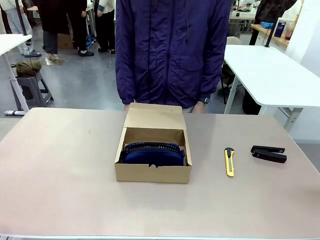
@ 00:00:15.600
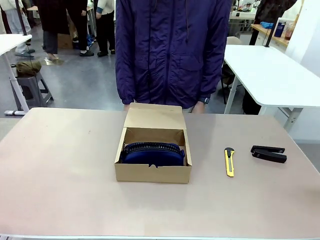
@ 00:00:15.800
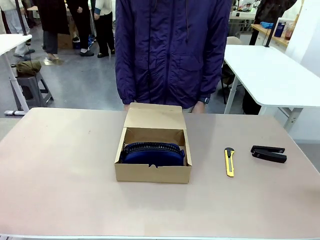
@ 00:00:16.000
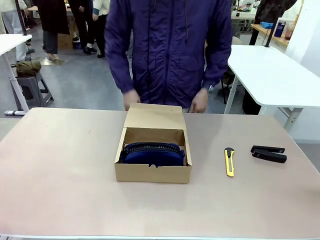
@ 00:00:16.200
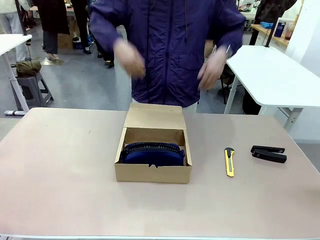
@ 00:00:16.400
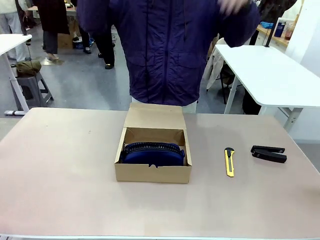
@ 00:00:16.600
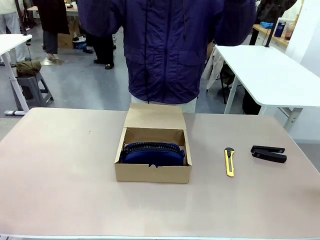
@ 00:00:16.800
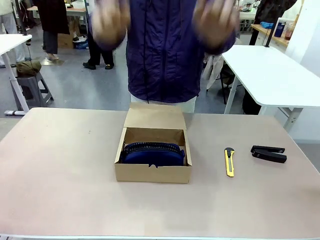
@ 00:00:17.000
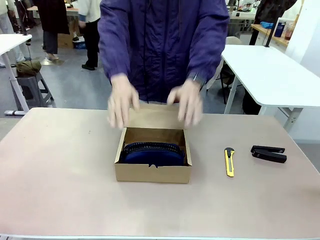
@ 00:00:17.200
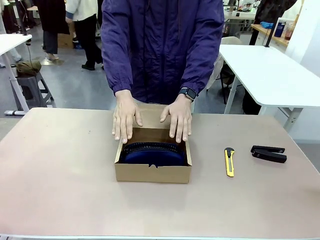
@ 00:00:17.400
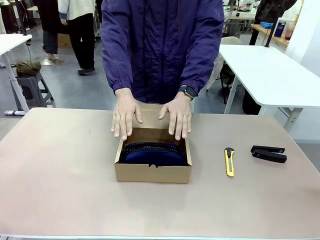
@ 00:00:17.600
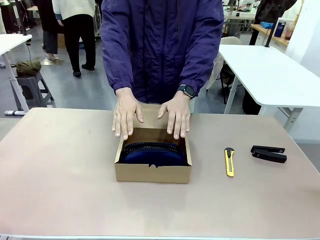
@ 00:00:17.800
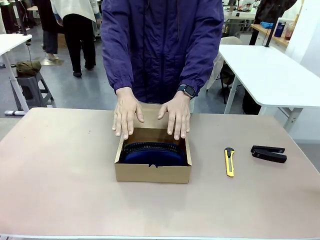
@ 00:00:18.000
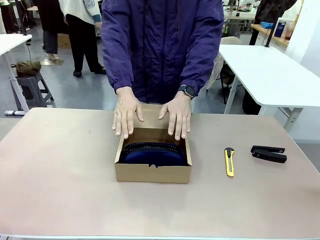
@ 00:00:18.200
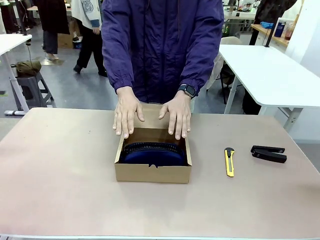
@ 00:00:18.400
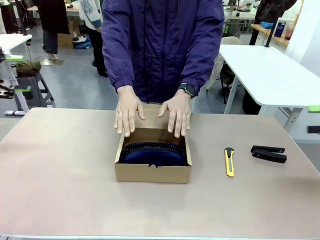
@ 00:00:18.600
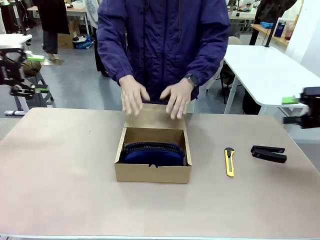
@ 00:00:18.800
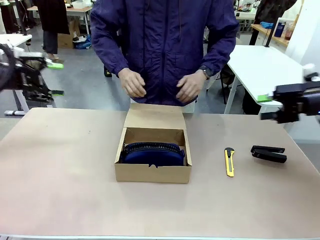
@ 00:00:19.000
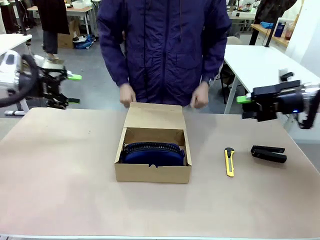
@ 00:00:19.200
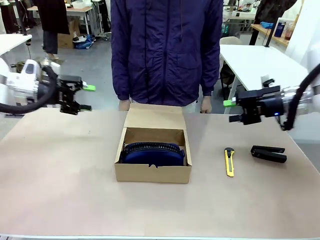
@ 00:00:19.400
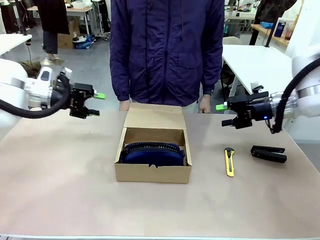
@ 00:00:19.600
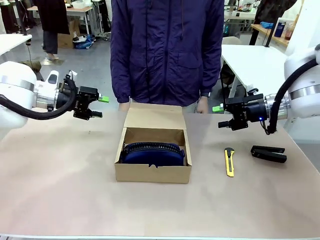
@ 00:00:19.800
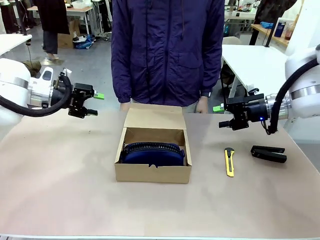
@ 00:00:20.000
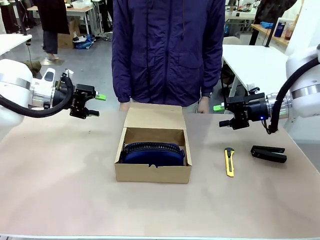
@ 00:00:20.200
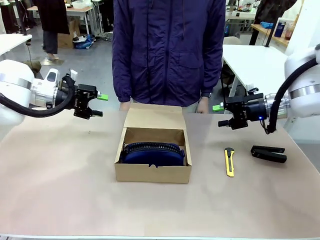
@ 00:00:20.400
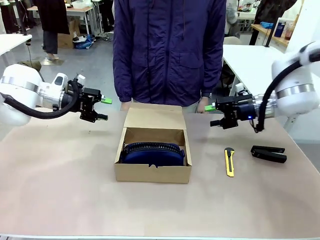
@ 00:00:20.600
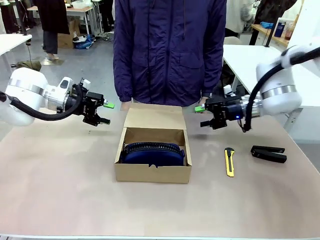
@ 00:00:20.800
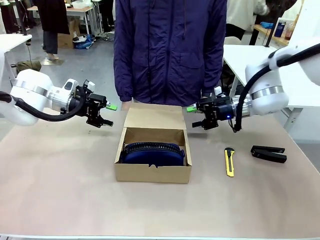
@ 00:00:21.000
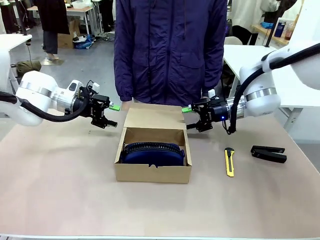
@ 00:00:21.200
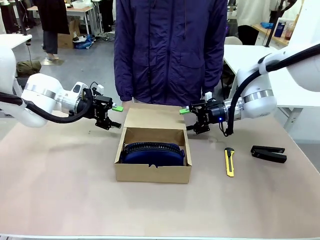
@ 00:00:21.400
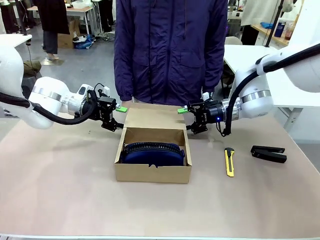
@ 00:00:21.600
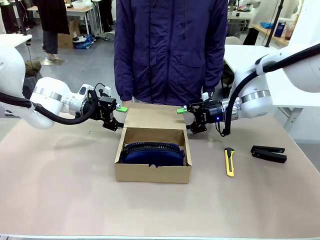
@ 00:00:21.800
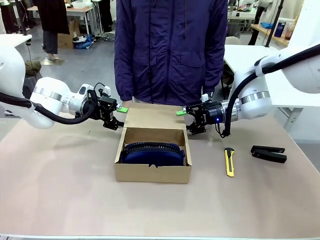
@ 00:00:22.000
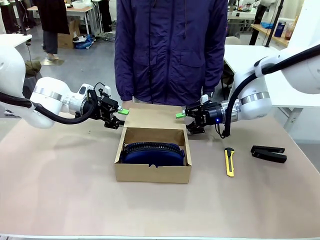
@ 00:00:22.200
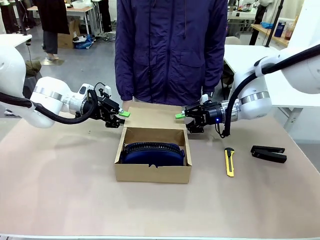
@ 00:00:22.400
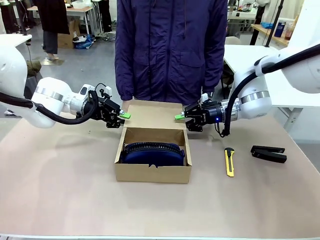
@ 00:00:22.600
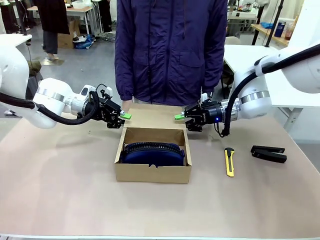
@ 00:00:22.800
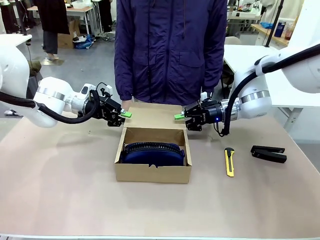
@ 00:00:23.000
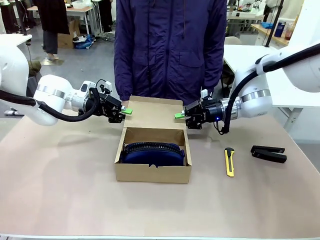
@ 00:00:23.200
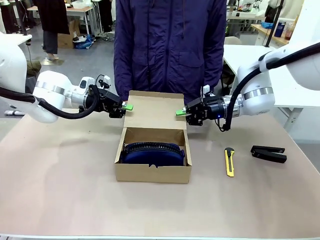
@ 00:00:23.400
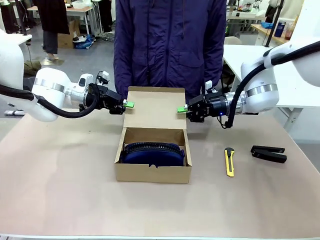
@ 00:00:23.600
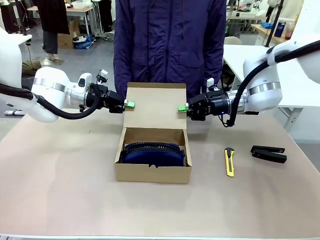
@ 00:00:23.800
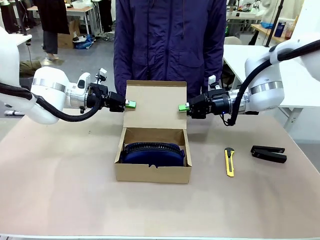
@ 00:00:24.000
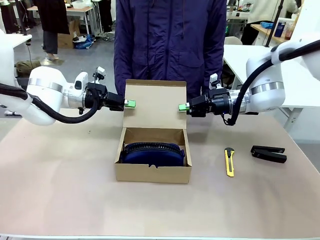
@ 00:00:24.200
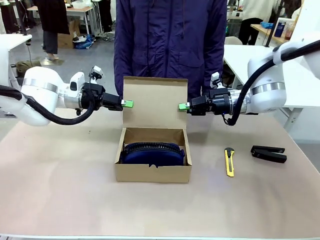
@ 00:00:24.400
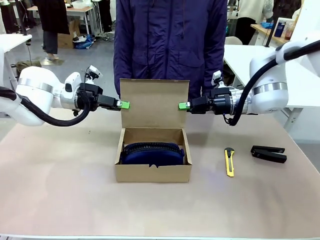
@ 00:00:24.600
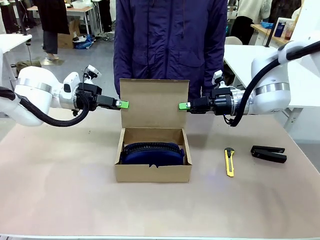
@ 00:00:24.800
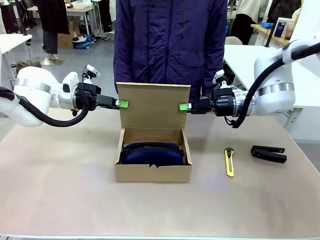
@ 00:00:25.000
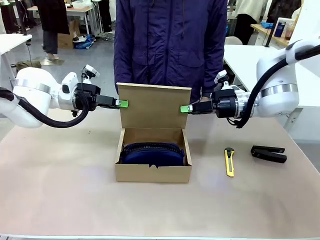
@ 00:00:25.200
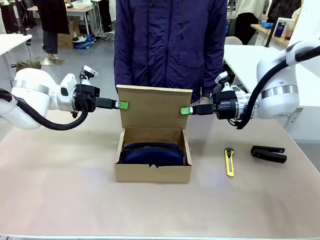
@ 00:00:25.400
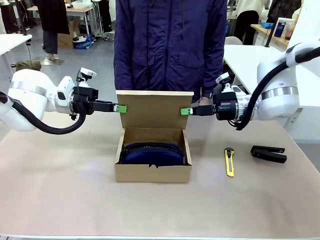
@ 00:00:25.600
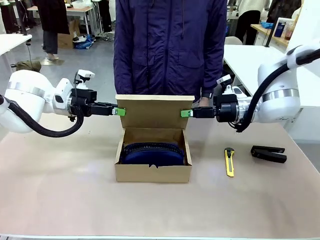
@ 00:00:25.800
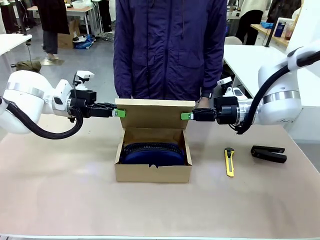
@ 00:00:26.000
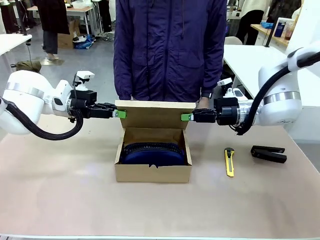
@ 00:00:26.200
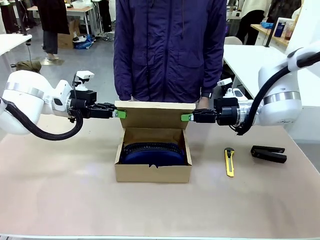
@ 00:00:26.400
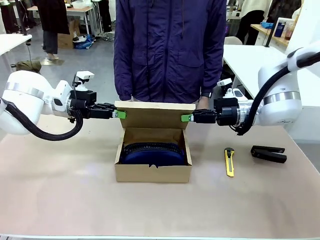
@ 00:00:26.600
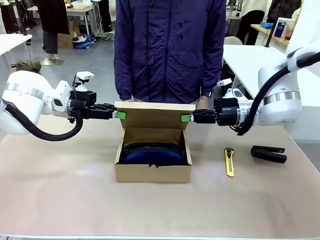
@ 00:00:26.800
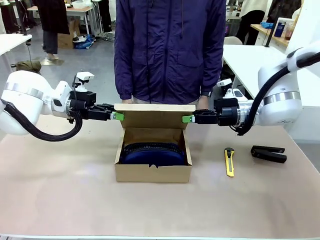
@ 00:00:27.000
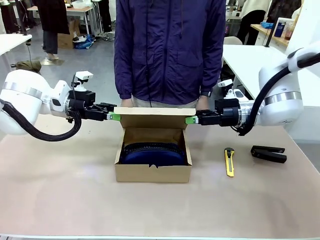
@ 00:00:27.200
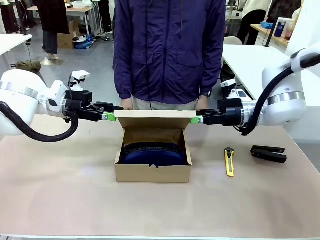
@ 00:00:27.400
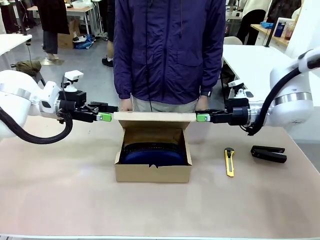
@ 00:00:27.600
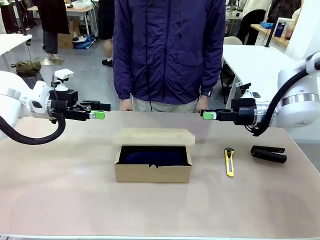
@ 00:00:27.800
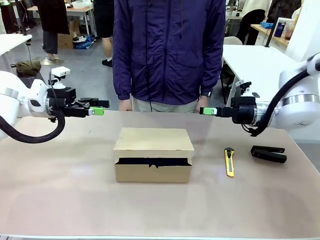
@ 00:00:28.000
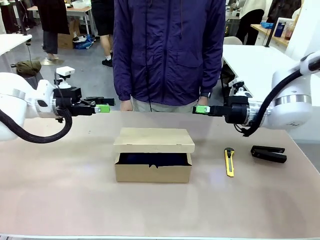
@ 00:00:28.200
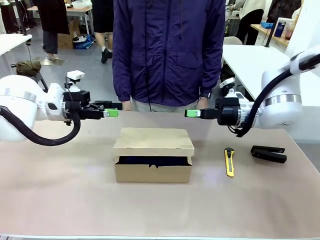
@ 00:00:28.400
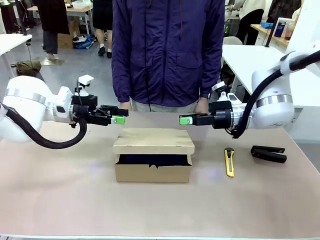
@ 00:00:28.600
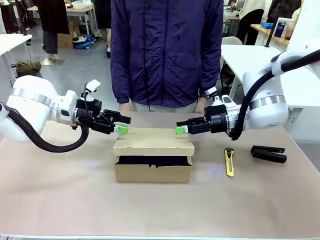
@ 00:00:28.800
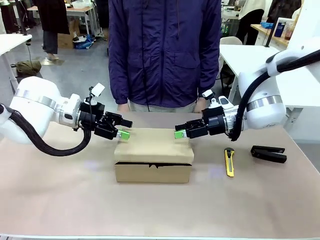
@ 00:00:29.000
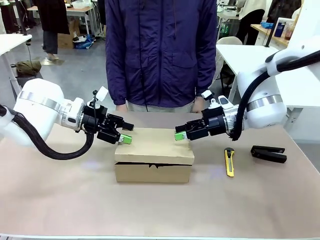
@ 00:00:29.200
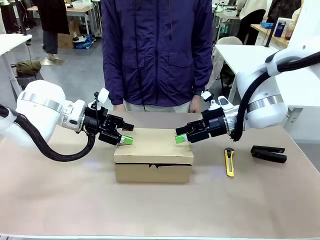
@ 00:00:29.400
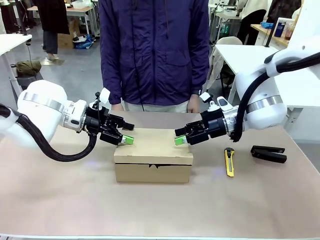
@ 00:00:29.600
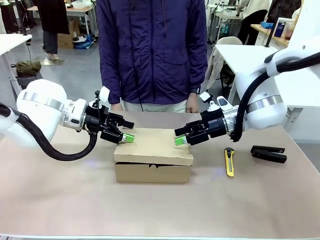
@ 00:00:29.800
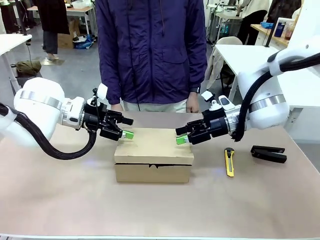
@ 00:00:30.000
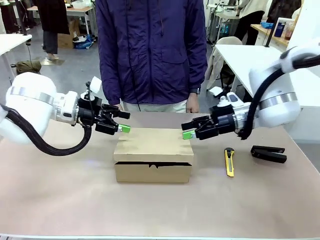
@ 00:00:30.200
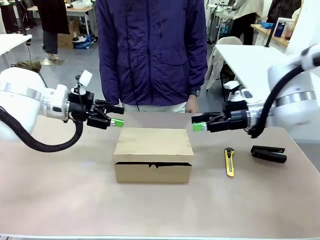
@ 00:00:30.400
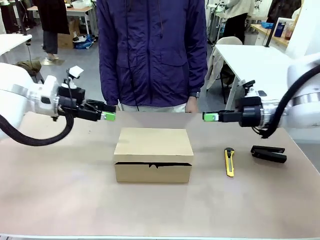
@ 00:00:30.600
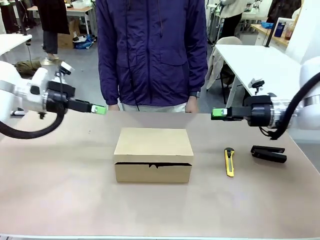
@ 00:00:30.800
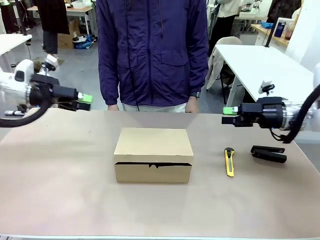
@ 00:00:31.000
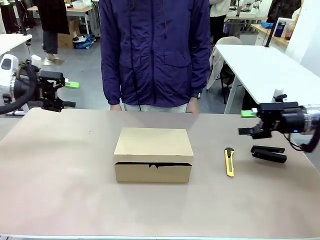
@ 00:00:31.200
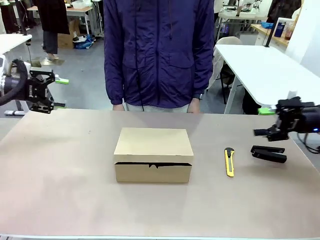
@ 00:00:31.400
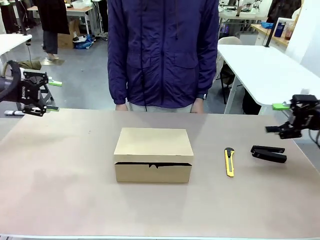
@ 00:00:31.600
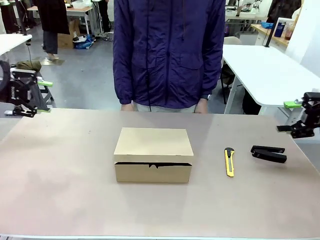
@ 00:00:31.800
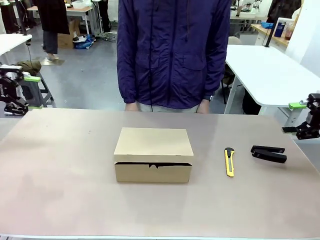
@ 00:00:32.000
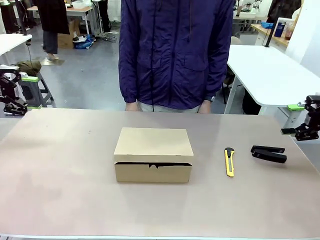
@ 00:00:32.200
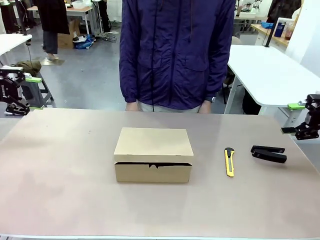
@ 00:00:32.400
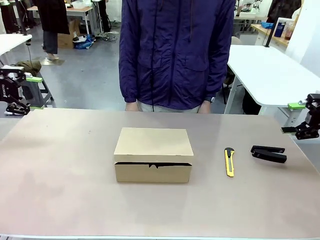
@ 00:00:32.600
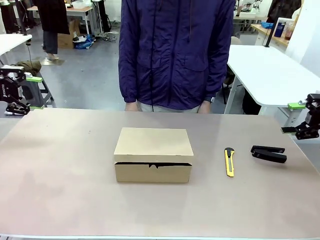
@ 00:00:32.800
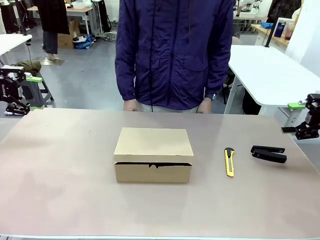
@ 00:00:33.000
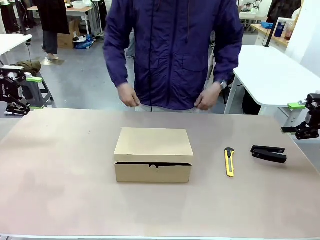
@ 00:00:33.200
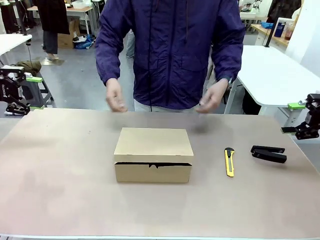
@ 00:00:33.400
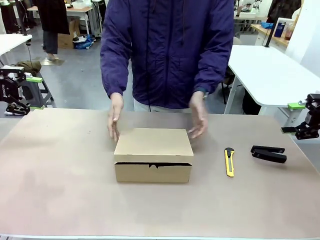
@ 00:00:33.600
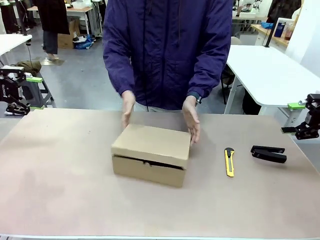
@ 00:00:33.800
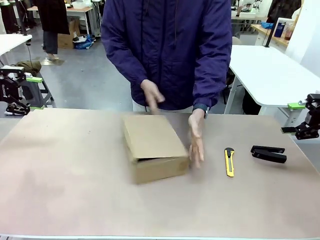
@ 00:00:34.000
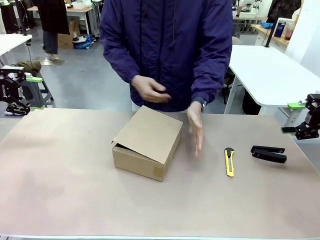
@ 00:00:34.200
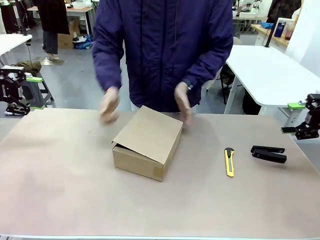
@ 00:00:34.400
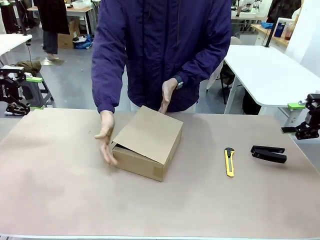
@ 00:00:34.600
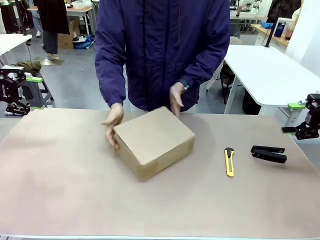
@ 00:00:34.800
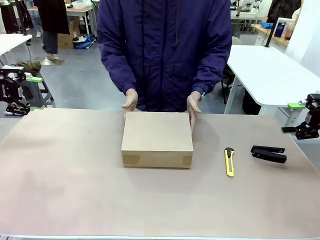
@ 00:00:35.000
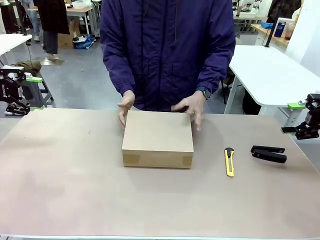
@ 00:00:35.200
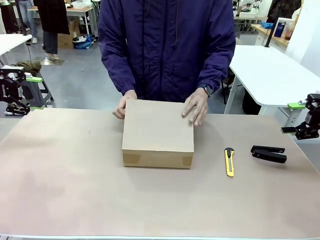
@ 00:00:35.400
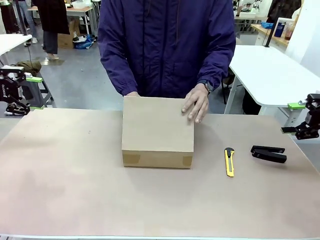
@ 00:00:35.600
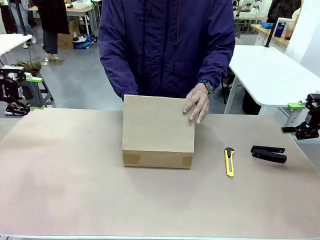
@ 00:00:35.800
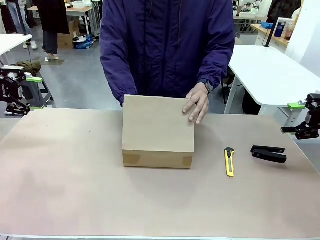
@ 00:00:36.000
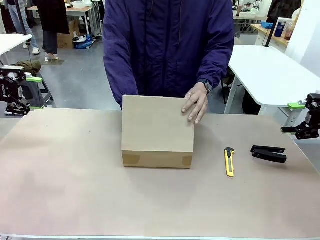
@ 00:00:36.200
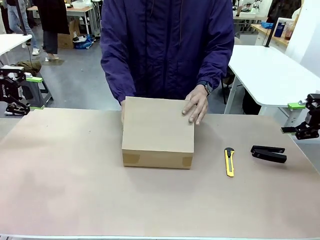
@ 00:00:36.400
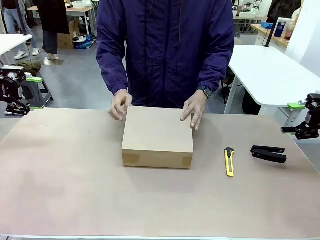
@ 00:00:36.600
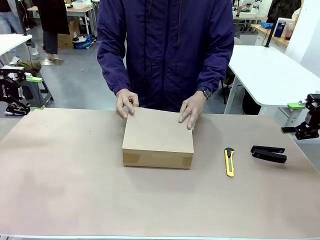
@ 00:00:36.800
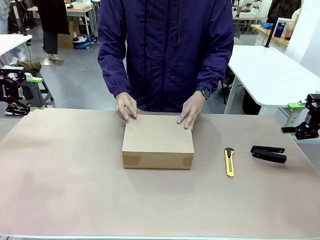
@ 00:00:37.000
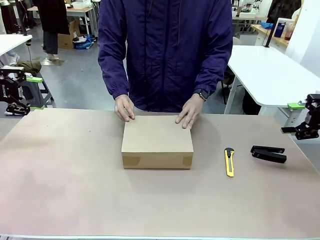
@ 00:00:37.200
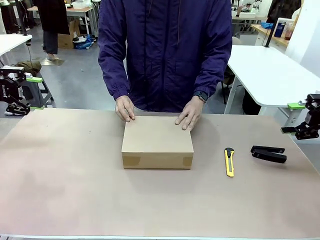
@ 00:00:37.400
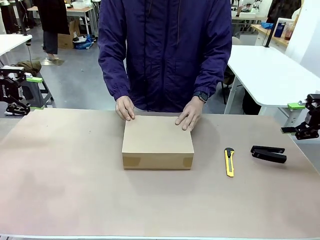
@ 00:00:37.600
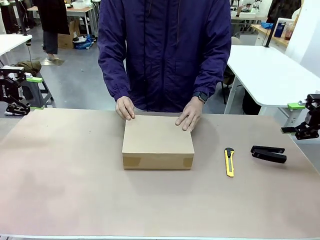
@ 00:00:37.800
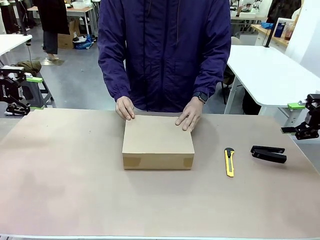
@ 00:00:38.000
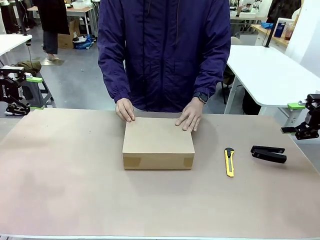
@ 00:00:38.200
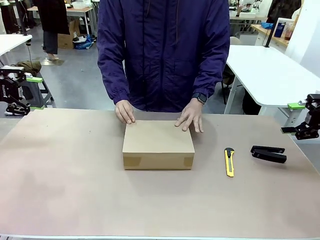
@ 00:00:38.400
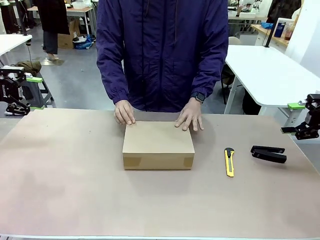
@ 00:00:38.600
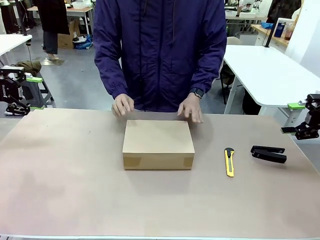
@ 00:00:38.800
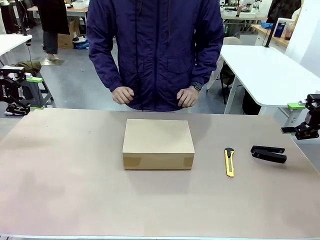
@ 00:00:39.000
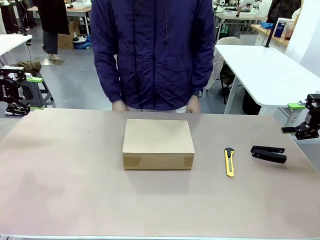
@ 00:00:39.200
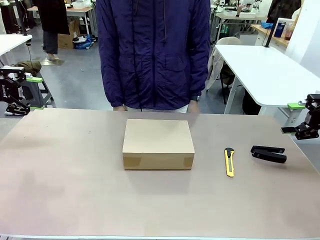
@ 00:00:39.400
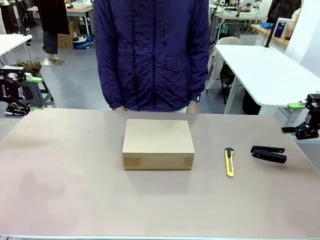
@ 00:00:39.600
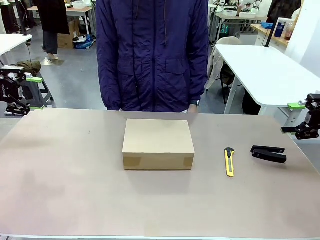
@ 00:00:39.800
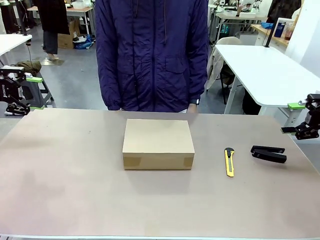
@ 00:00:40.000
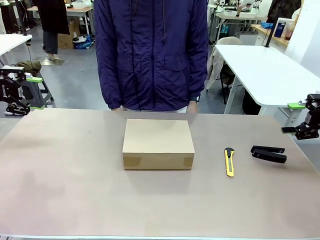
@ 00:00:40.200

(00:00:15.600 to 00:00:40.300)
Task: Pack the item into the box.
Robot: Close the Mailer Box.
Person: Lower both hands vertically with palms facing downward, as if pressing something closed. Turn the box and lock it.
